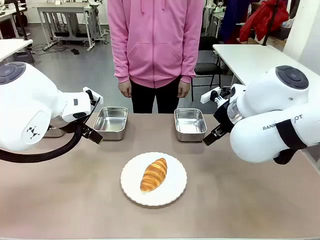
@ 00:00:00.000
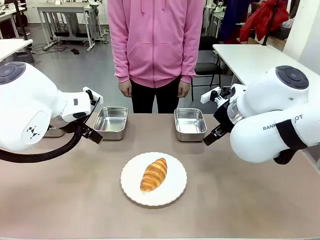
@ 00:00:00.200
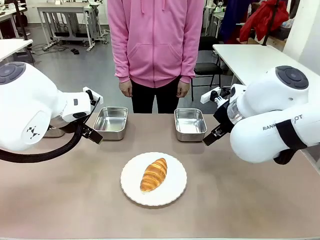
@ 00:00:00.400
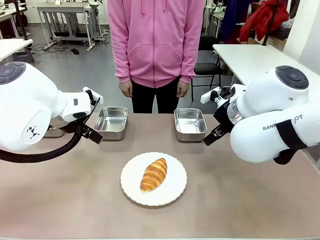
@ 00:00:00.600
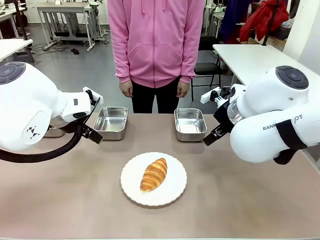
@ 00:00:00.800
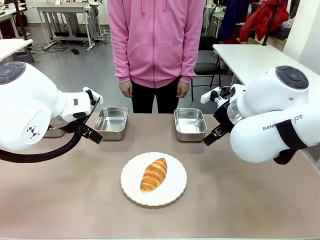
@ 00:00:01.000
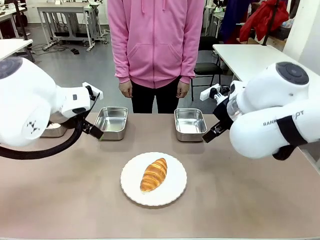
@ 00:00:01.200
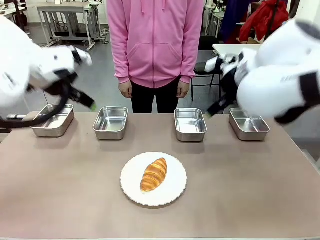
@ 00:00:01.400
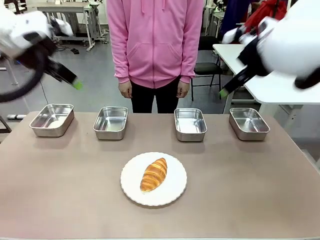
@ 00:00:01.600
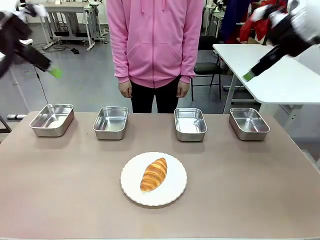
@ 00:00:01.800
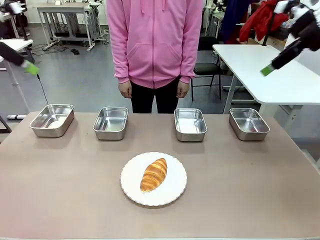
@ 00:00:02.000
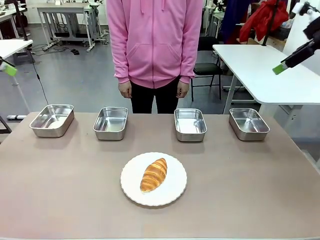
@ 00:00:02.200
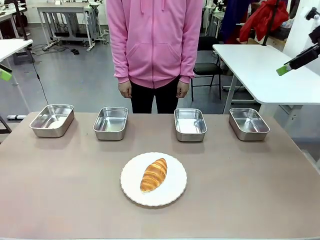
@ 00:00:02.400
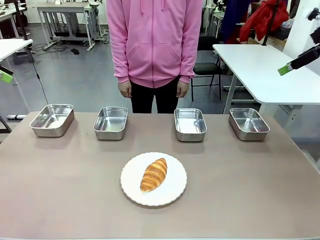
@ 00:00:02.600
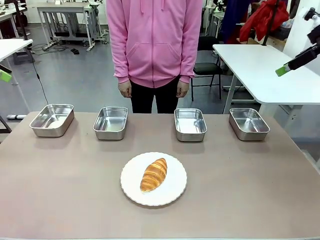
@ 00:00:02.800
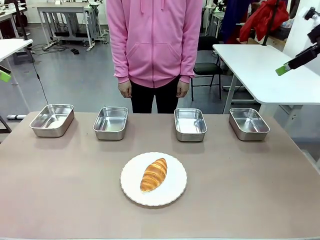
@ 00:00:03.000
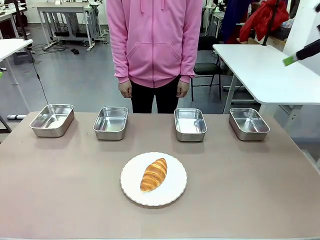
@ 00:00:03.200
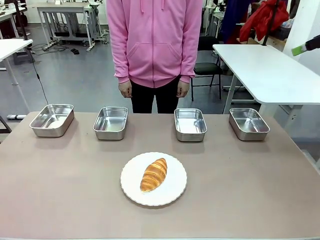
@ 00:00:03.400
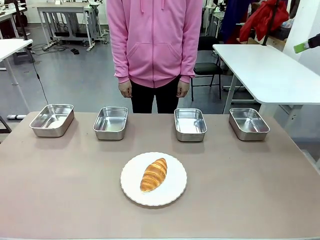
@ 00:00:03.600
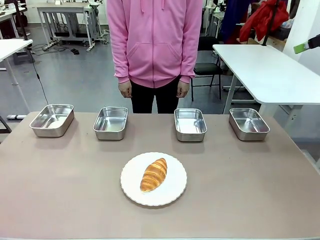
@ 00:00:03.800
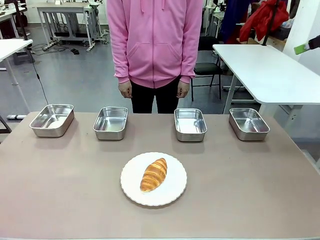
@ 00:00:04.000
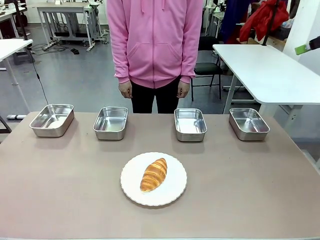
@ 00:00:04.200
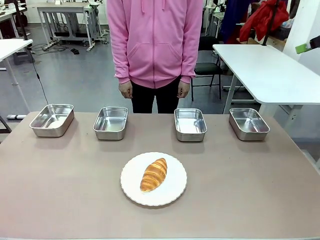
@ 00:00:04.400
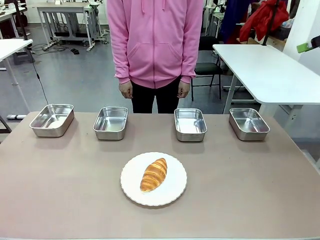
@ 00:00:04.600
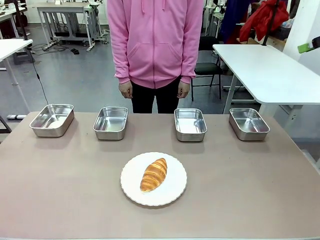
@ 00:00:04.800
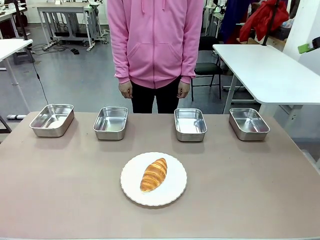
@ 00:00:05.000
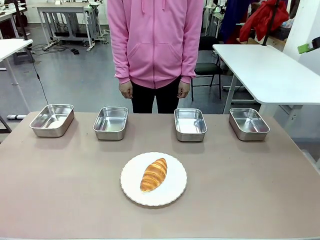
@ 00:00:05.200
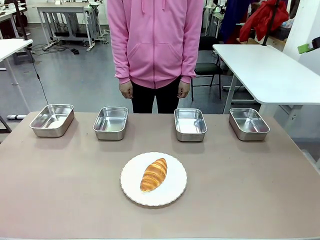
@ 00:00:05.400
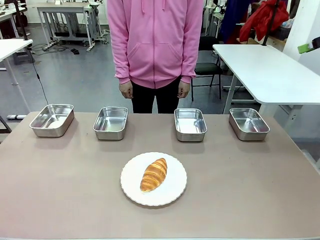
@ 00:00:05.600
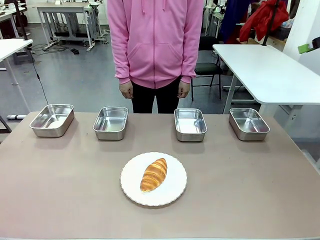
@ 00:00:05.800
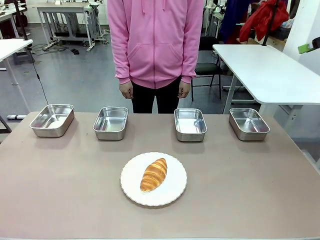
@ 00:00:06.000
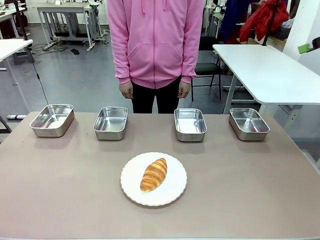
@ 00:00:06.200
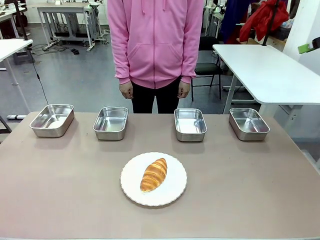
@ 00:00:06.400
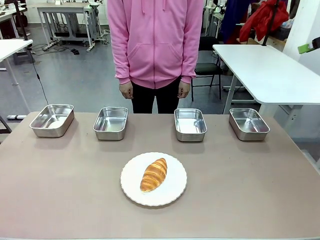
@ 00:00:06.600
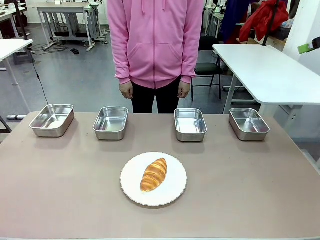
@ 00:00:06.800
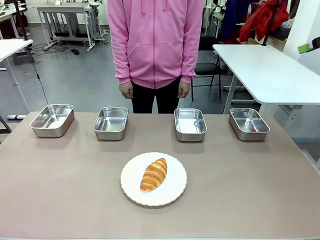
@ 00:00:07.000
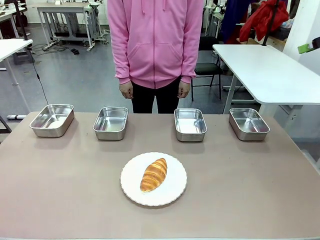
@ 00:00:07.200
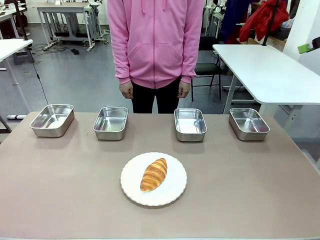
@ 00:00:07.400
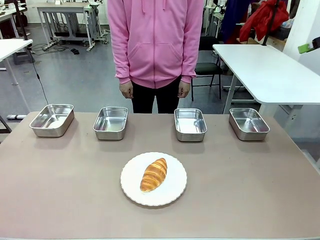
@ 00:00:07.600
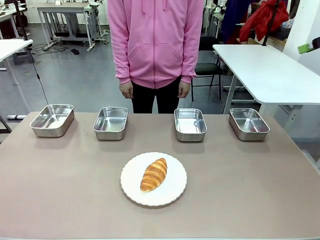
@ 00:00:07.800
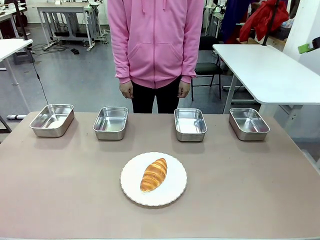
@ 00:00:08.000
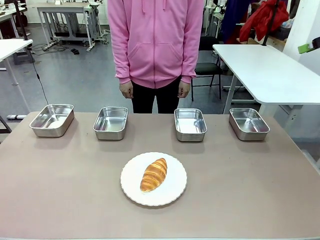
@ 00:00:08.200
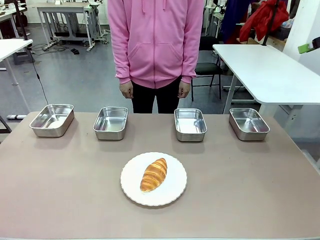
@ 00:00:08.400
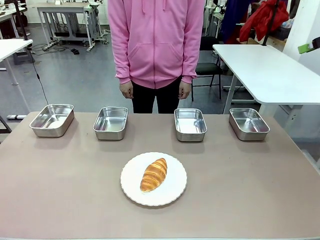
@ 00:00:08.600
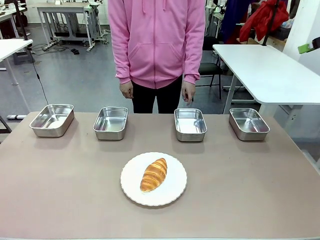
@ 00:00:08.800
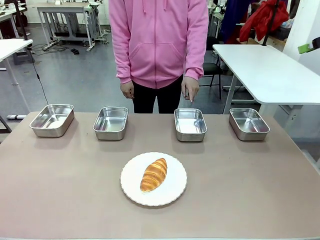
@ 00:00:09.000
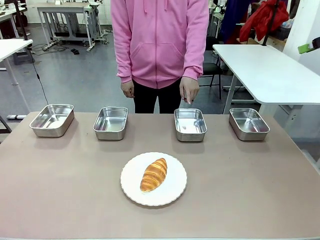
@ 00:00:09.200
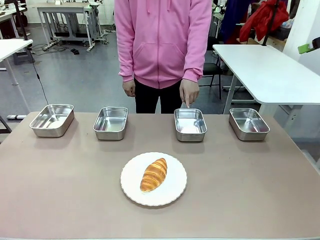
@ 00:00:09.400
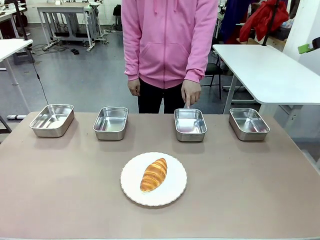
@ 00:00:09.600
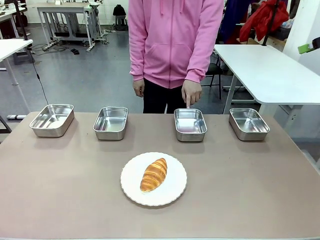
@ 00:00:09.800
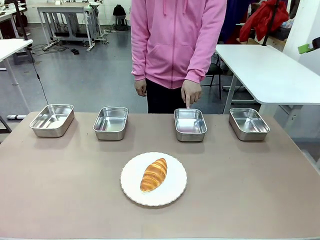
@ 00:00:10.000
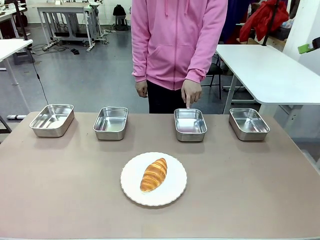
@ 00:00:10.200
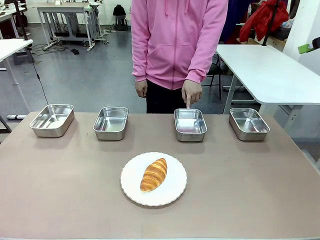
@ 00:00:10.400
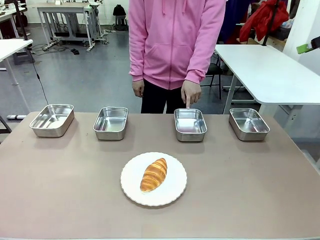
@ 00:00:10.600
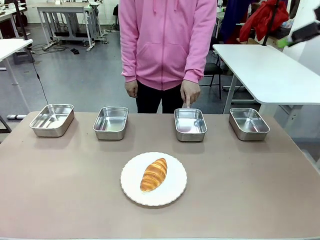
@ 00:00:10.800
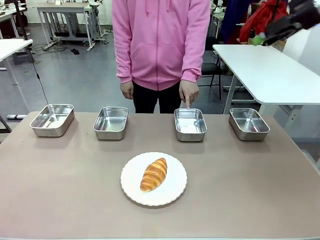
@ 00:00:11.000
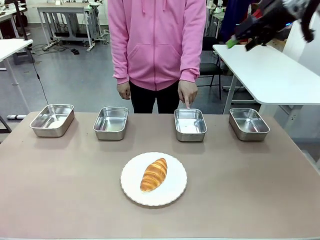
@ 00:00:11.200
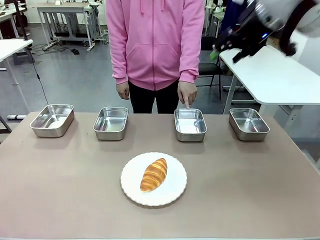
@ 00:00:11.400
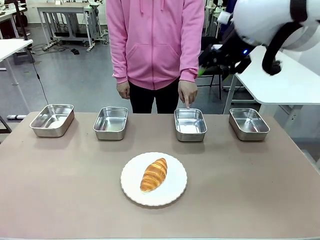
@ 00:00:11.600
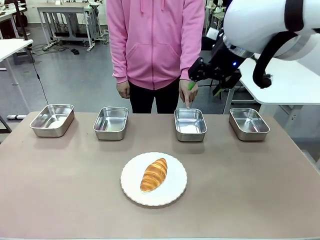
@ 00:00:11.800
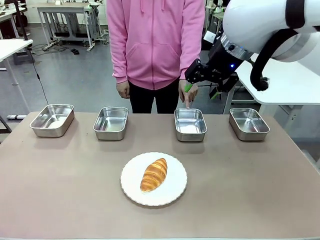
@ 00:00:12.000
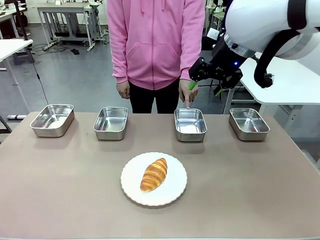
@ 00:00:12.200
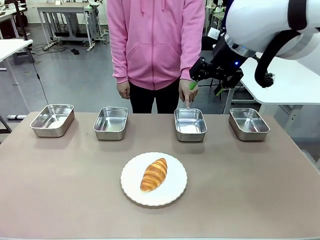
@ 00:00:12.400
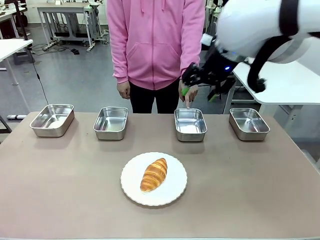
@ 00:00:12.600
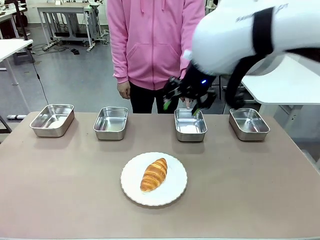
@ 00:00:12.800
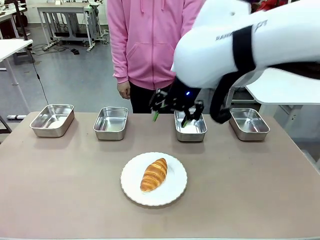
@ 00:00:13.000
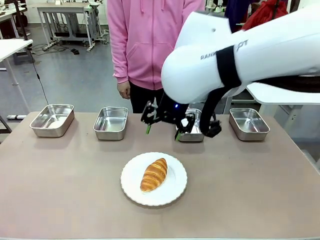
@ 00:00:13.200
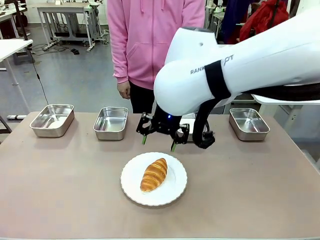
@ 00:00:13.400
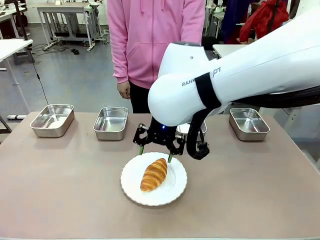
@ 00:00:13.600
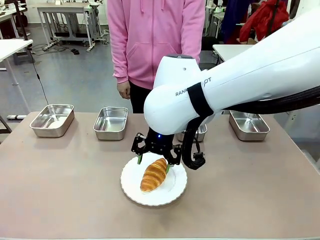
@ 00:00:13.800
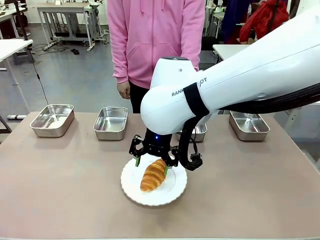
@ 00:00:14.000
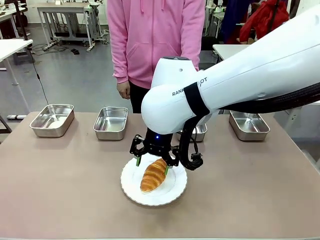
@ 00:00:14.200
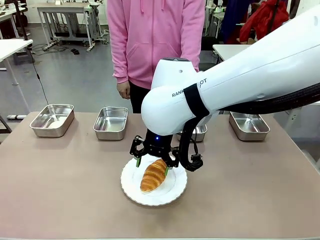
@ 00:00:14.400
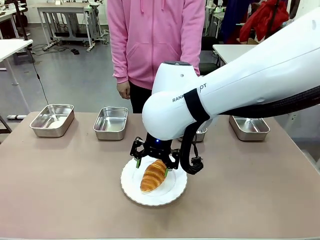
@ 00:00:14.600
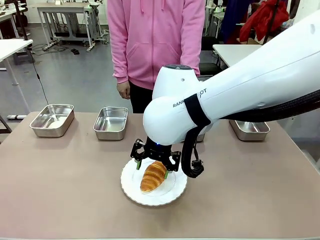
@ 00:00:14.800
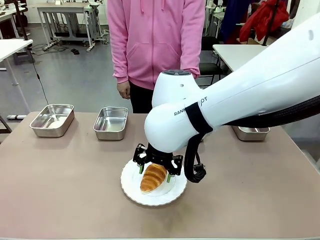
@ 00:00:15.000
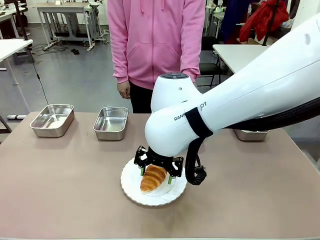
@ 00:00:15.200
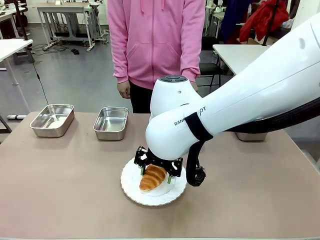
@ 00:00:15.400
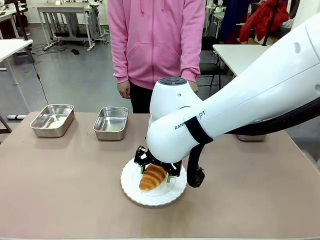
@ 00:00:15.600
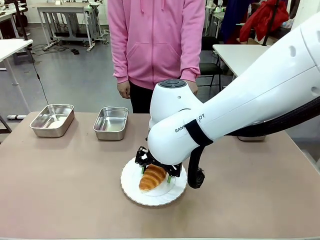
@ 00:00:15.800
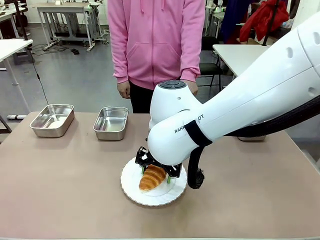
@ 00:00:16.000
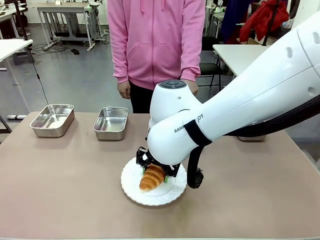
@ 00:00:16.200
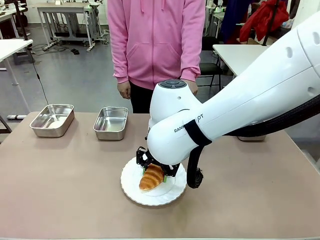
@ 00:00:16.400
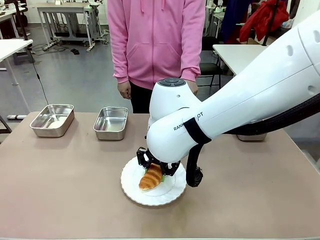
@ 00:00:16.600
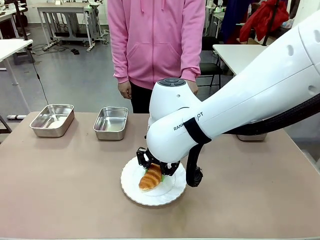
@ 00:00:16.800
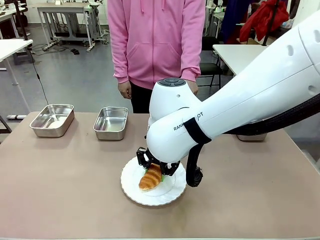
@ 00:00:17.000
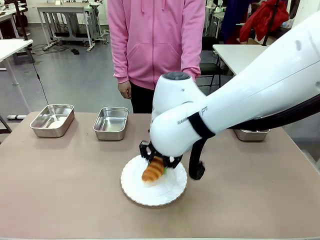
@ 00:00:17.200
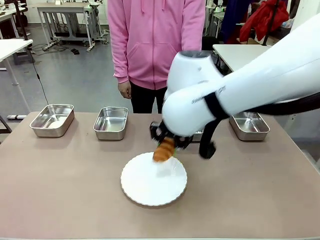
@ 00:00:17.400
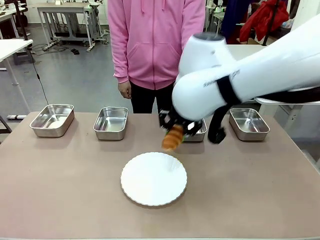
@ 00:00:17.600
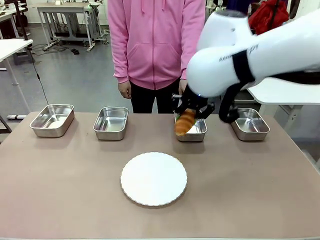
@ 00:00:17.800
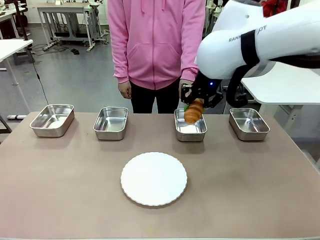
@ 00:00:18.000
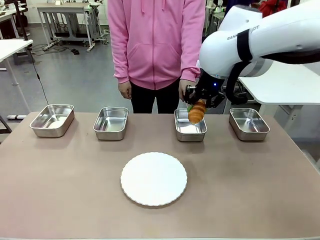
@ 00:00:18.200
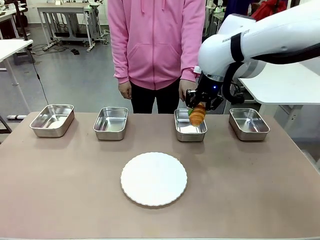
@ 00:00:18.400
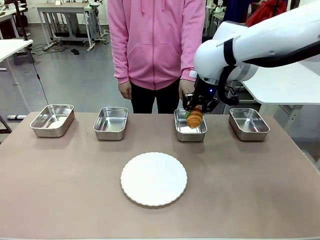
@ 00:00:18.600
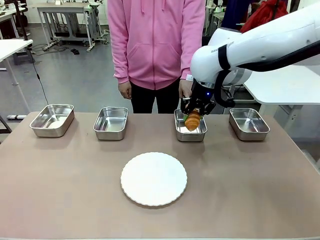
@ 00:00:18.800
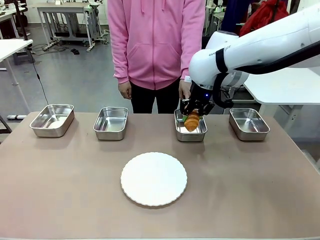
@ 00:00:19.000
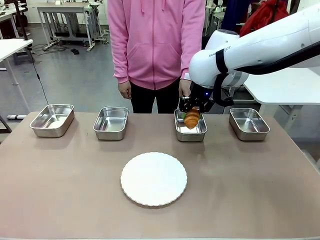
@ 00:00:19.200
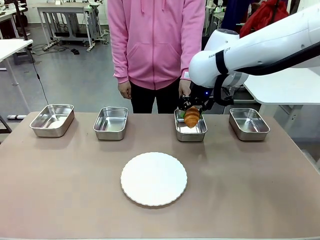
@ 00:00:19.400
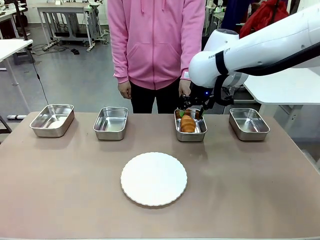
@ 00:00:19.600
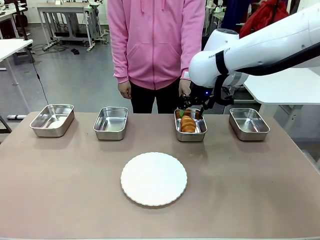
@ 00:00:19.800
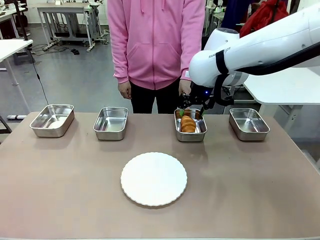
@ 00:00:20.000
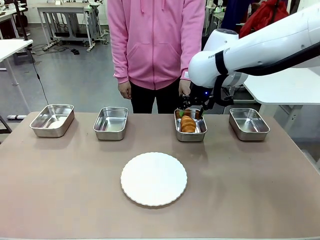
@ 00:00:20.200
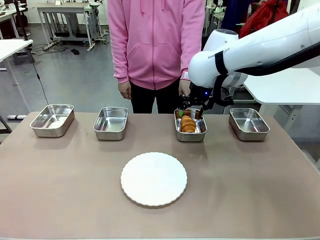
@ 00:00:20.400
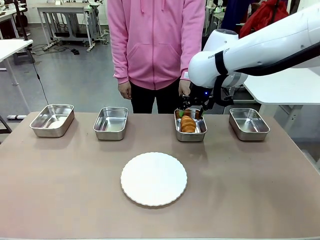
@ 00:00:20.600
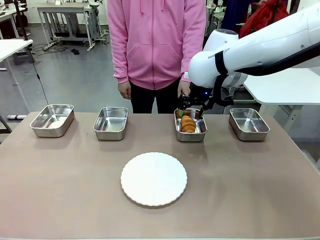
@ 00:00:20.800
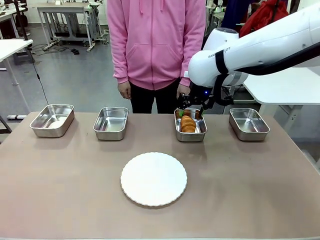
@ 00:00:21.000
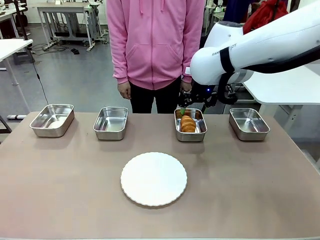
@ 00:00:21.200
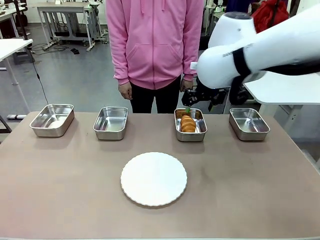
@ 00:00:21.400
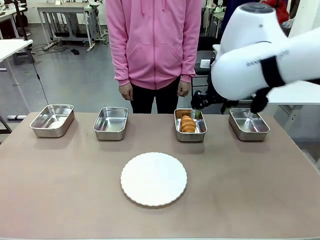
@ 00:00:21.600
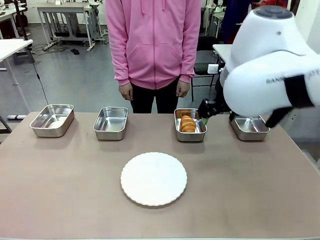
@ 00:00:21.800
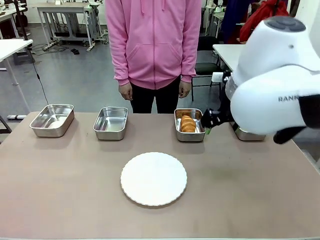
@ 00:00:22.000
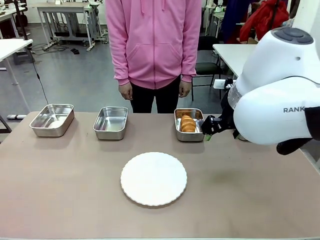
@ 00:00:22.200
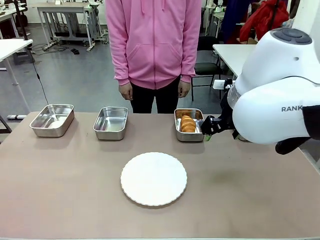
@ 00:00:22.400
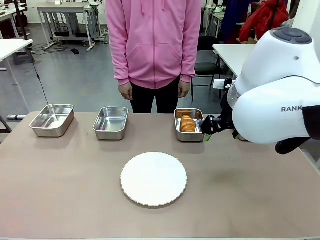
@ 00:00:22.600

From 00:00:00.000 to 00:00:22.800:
Task: Place the bread in the container.
Robot: Place the Butter Roll into the Airtight Container indicated by the human.
Person: A person randomly selects and points to an Airtight Container.
